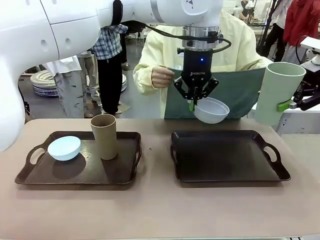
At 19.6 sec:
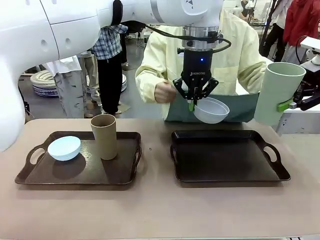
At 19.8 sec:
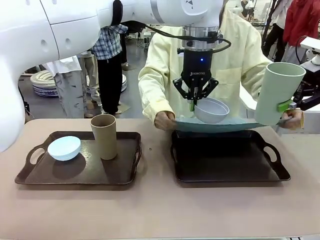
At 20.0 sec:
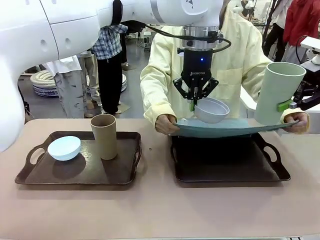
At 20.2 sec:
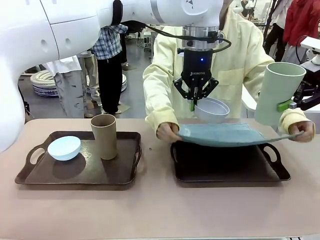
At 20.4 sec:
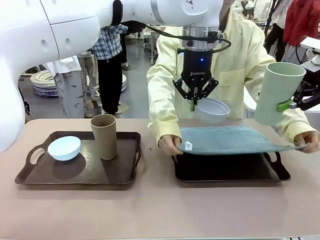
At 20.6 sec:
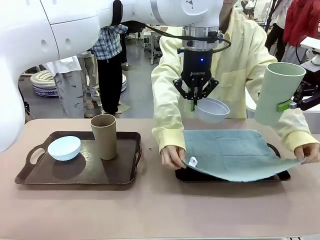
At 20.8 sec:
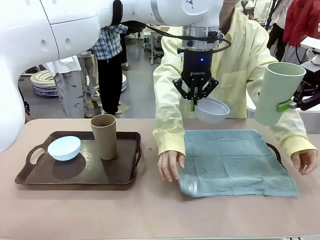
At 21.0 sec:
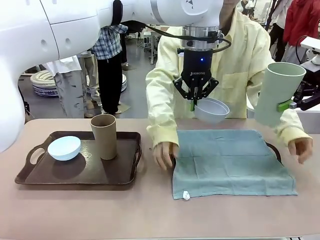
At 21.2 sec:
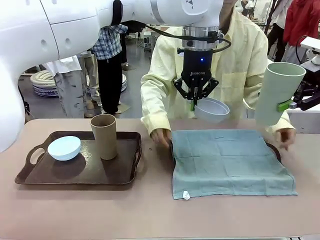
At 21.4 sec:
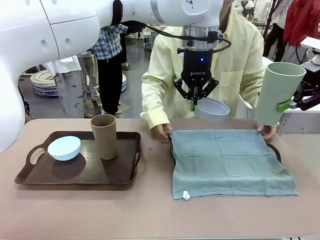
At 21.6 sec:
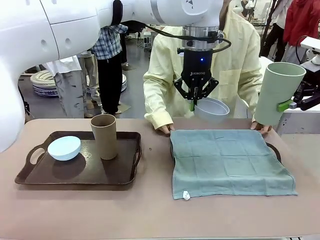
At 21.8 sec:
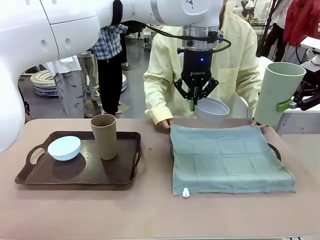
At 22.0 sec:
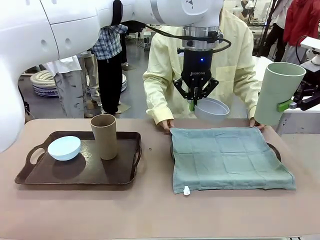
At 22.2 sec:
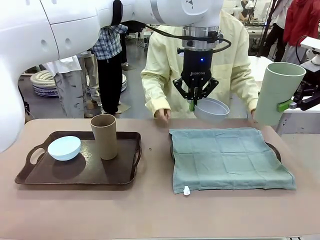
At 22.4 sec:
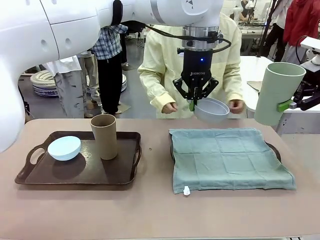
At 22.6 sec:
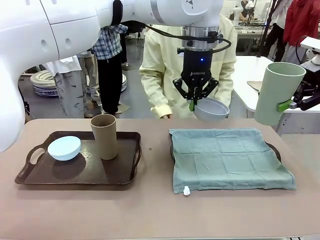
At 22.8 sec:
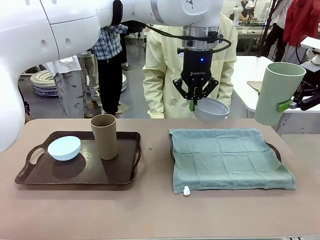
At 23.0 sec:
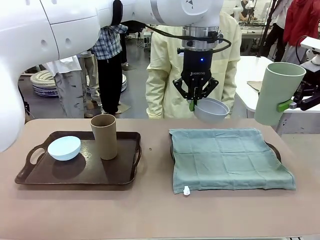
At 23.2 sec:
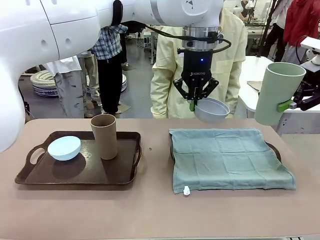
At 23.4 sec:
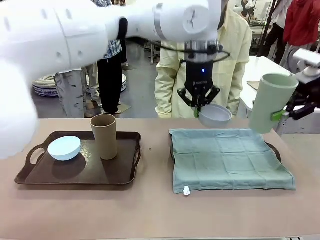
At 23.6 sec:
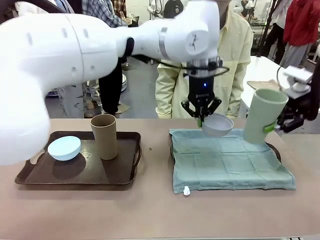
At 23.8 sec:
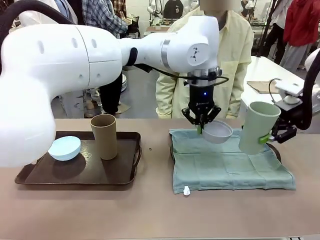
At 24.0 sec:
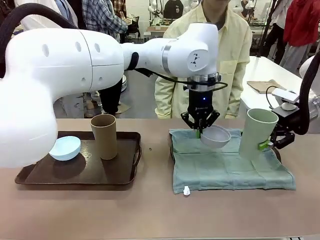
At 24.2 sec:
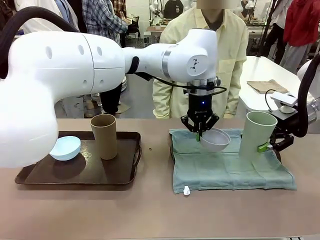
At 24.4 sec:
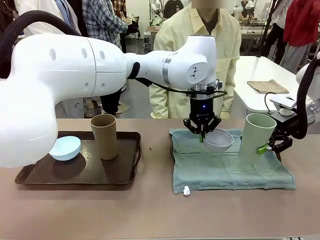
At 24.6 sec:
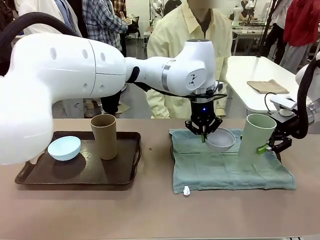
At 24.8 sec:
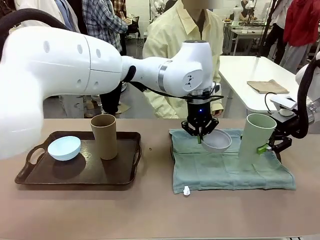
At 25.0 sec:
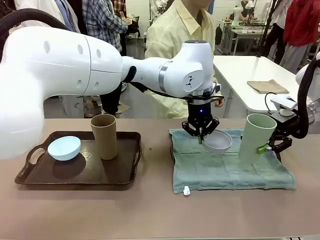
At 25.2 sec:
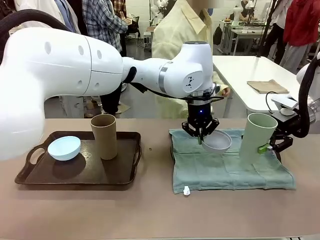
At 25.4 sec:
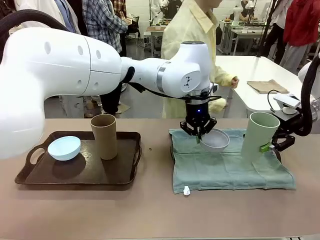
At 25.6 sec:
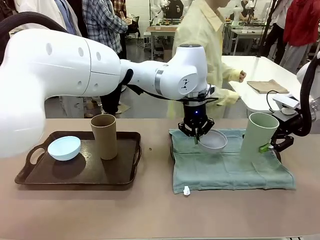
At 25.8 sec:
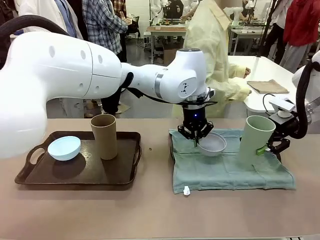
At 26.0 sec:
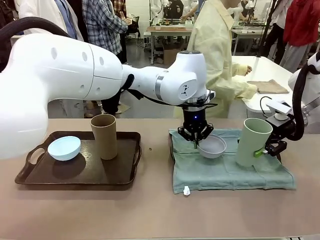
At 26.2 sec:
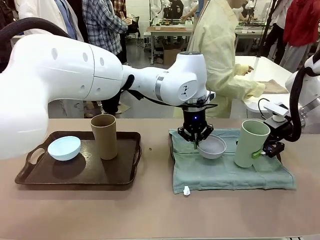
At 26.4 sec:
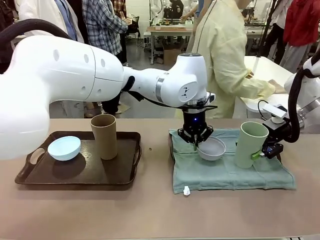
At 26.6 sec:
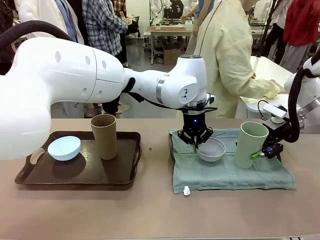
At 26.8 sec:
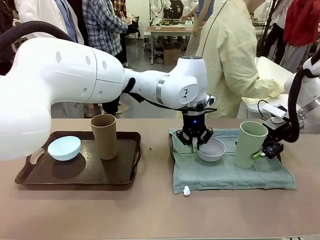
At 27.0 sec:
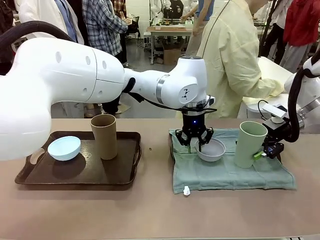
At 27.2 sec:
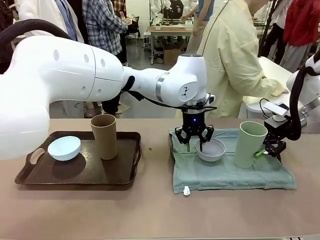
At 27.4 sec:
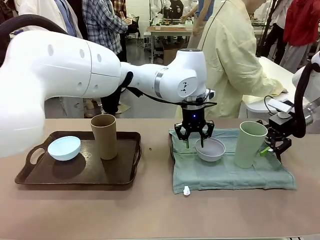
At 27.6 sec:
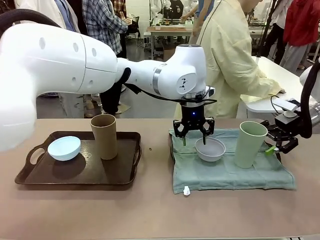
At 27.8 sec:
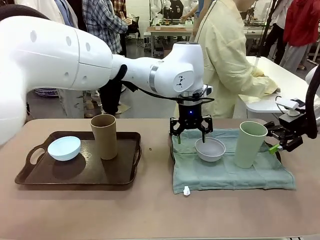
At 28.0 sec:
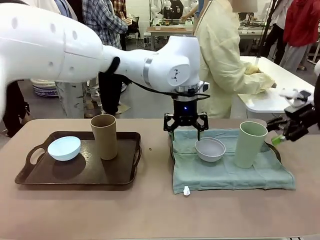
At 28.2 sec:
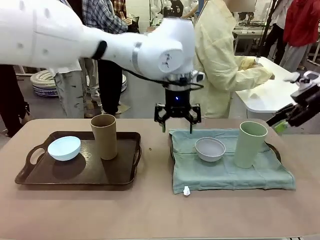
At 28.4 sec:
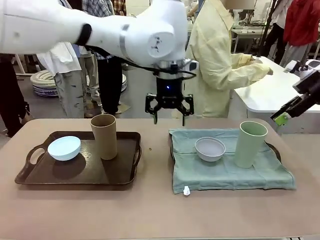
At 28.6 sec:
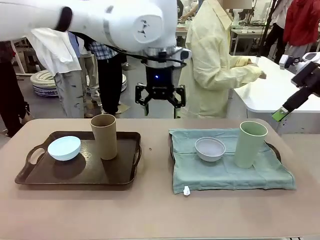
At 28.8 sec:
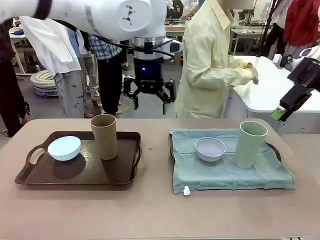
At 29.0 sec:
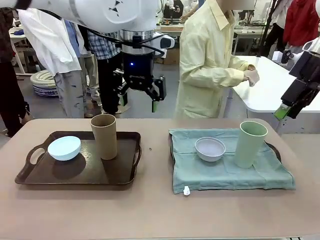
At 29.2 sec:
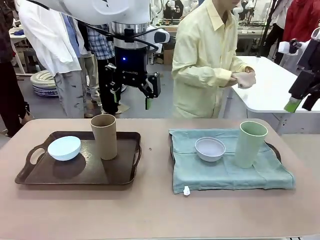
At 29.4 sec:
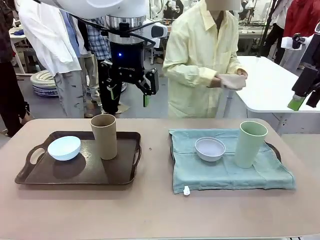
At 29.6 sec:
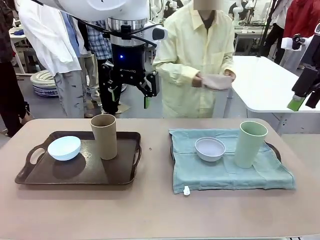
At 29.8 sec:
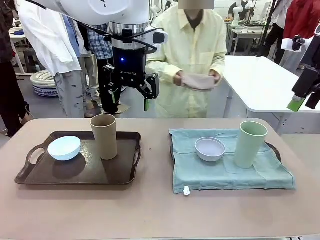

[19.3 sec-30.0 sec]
Robot: Place the Picnic Bowl and Reusable plastic cup back onto the Handle tray in front of the human's position.
Person: The human returns to the human table to pick up another napkin and walks to the robot table to stand in front of the tray without a napkin.

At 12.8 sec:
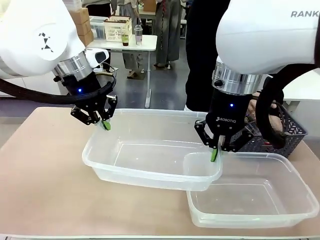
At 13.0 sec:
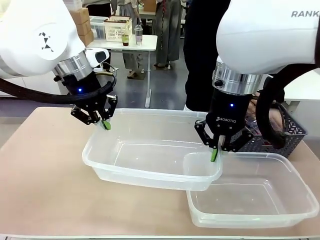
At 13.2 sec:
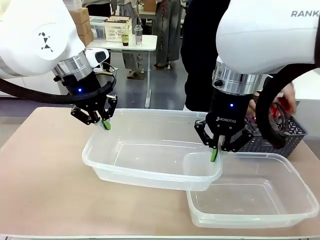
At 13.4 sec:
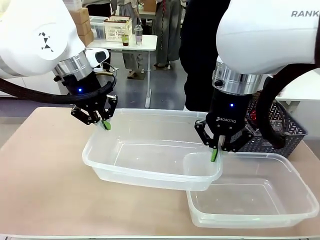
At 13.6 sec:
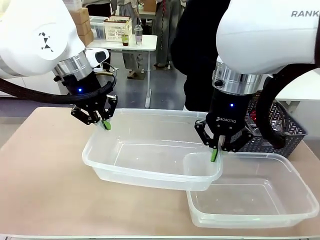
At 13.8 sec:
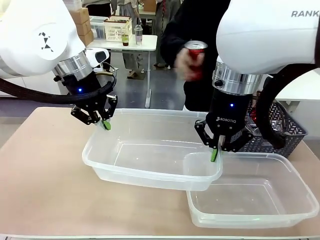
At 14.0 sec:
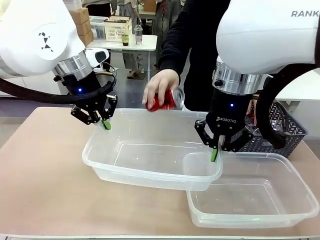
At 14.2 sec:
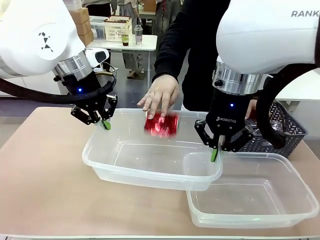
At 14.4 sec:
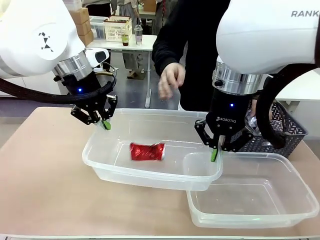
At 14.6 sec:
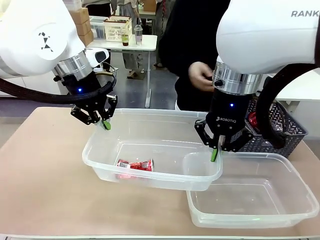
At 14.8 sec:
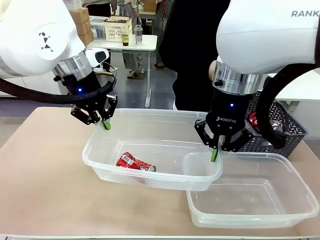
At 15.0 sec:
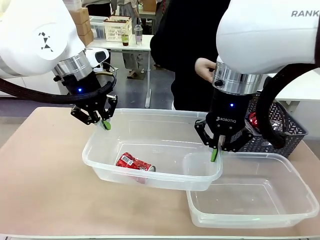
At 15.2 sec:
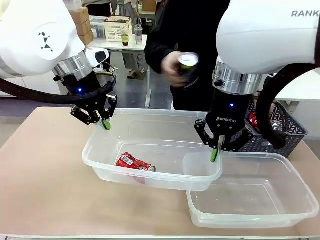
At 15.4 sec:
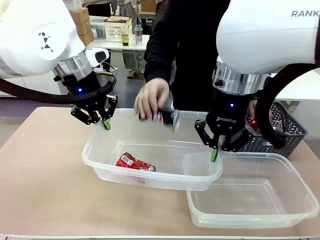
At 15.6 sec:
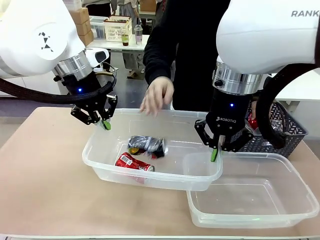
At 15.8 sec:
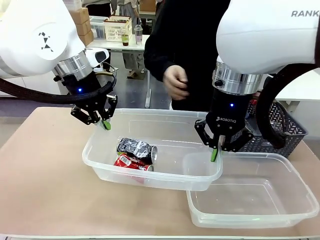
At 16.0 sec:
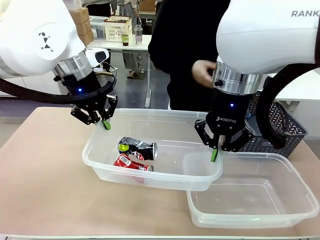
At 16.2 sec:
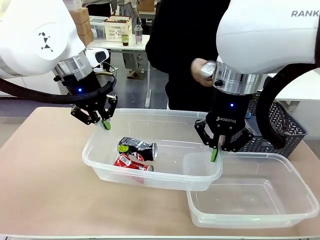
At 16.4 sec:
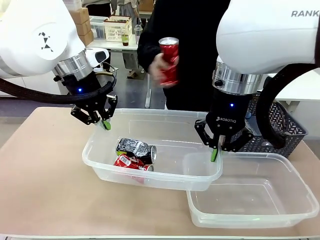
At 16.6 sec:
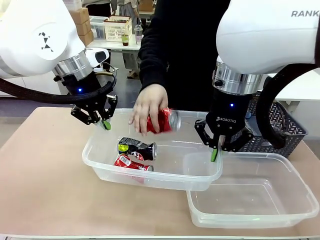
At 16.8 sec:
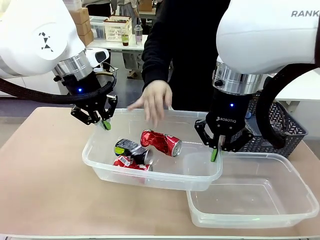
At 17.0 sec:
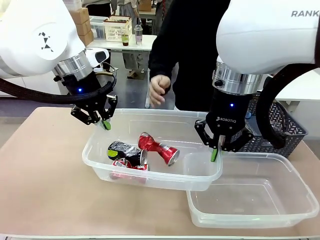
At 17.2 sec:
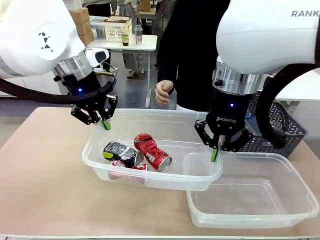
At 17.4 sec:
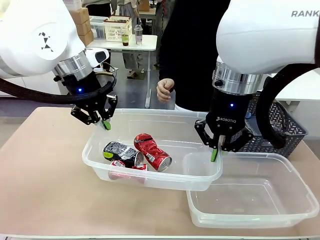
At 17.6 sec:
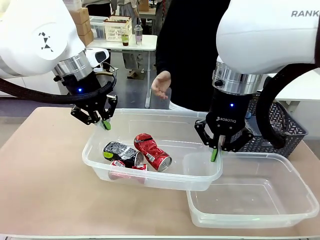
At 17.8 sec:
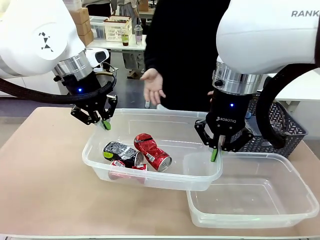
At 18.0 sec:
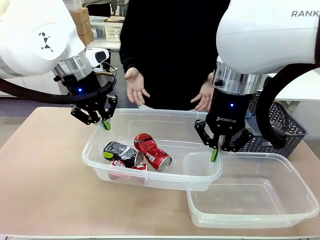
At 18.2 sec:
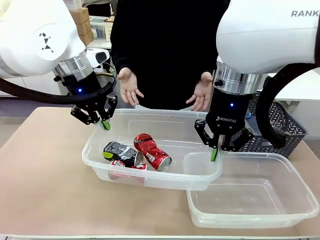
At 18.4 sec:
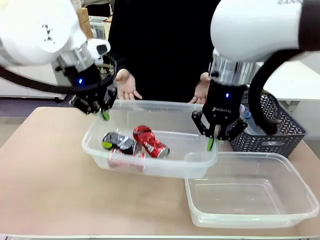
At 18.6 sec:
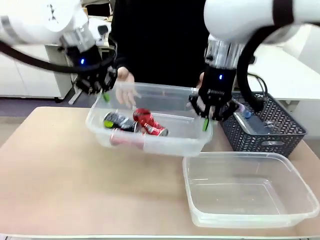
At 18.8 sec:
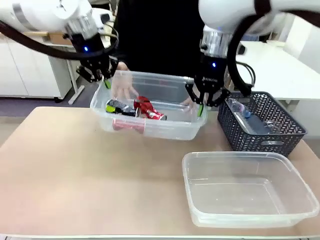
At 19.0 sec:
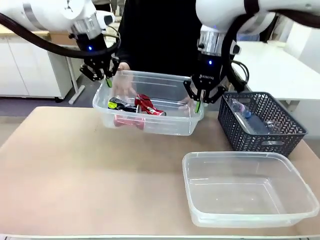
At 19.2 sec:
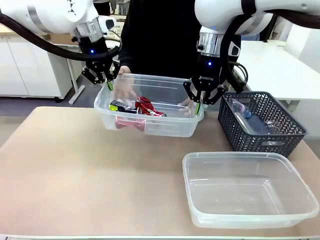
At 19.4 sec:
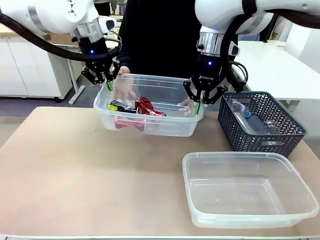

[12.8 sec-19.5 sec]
Robot: Offer the picked Organizing box to the human.
Person: Pick up the organizing box extended by the robot.

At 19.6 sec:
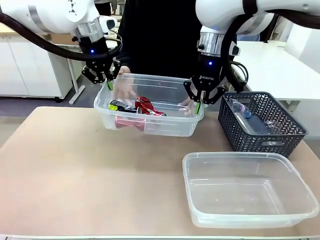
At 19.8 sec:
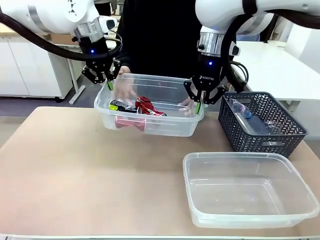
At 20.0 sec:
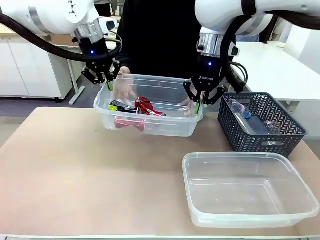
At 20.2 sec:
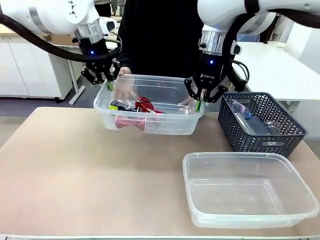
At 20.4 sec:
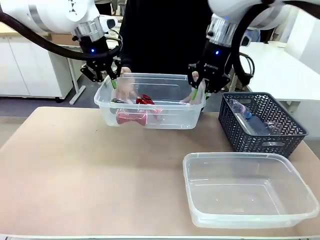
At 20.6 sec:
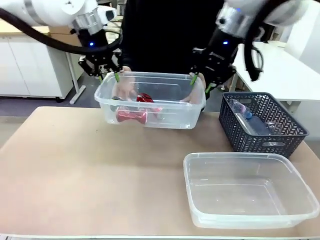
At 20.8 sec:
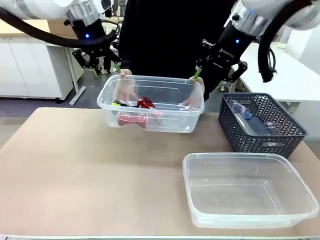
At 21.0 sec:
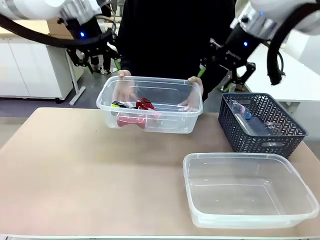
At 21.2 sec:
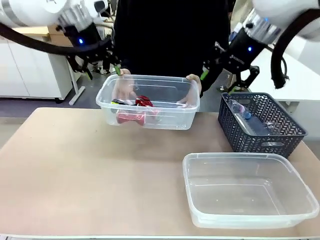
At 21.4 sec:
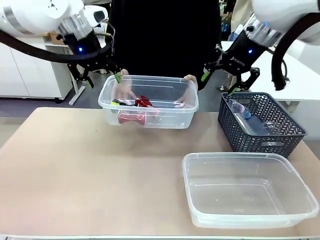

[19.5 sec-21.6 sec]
Robot: Release the Organizing box you were holding.
